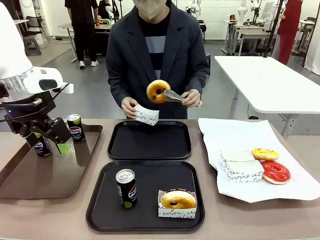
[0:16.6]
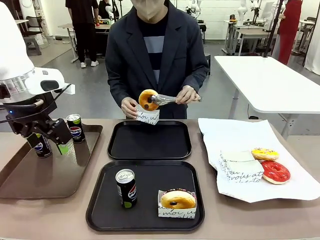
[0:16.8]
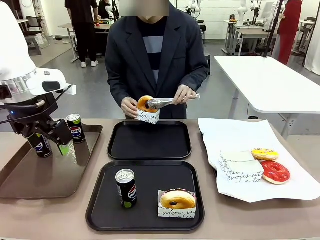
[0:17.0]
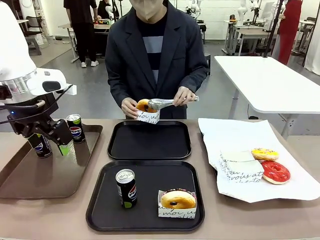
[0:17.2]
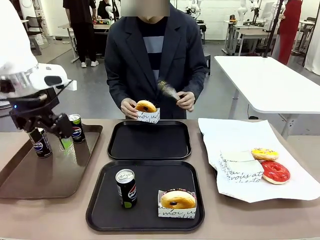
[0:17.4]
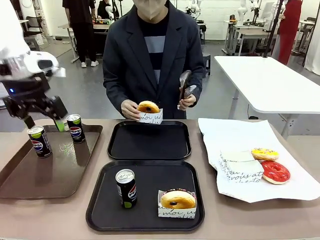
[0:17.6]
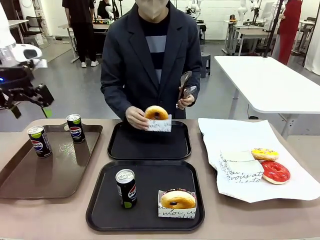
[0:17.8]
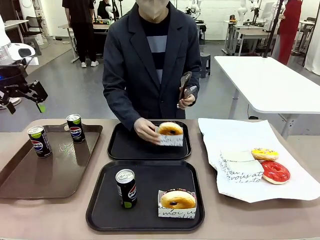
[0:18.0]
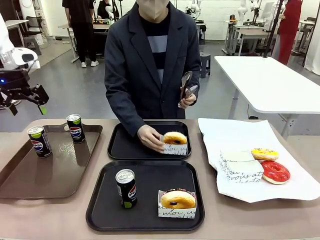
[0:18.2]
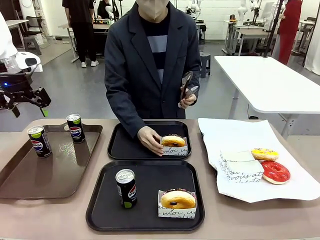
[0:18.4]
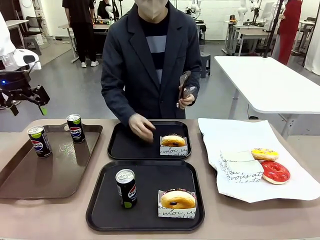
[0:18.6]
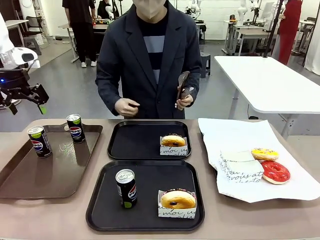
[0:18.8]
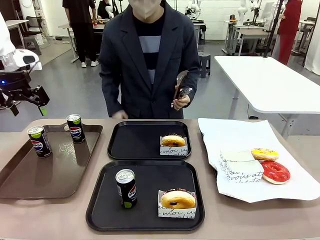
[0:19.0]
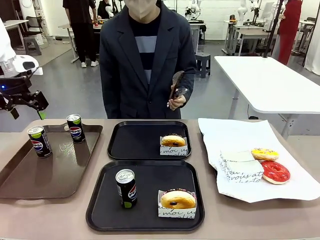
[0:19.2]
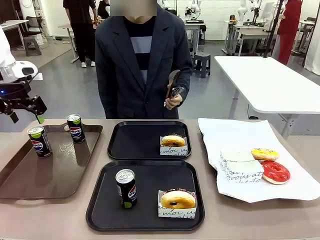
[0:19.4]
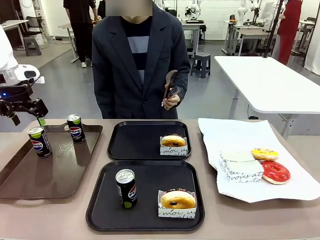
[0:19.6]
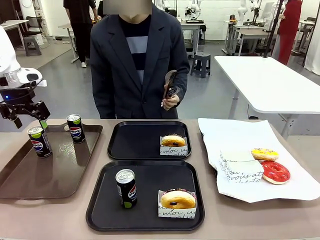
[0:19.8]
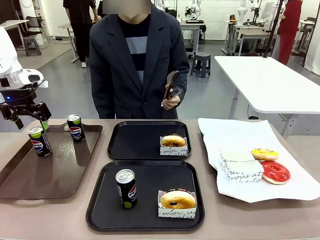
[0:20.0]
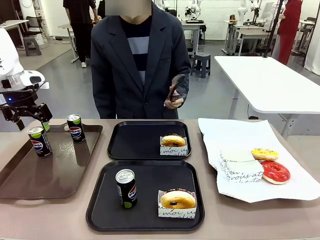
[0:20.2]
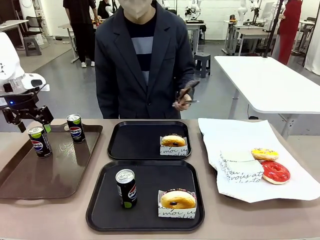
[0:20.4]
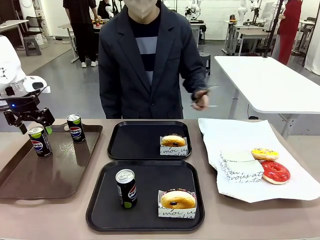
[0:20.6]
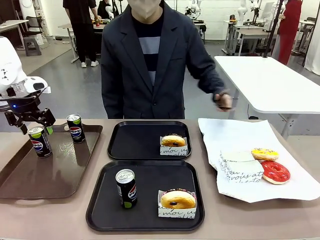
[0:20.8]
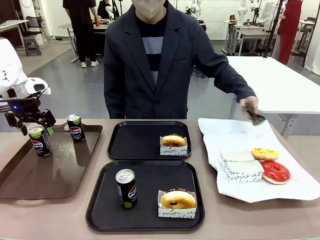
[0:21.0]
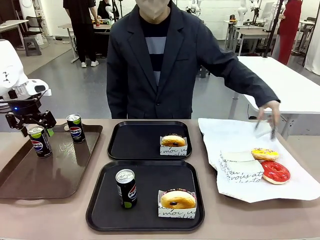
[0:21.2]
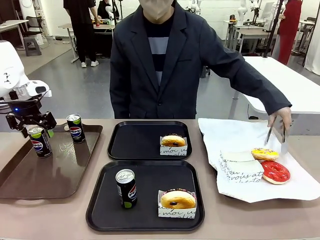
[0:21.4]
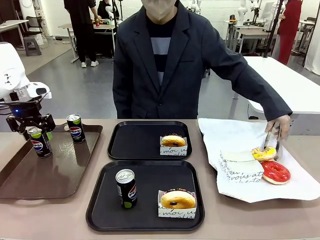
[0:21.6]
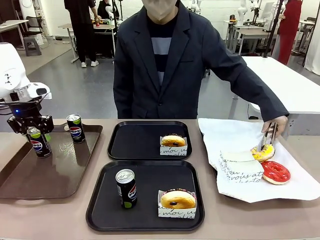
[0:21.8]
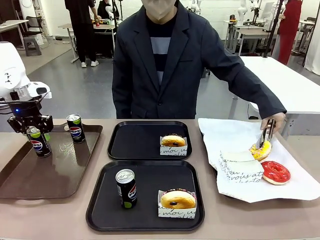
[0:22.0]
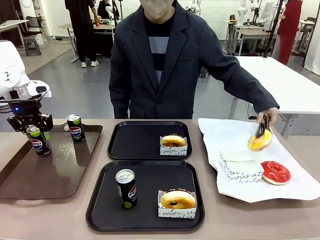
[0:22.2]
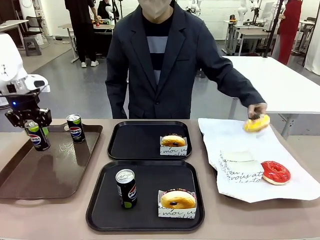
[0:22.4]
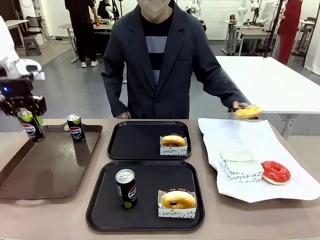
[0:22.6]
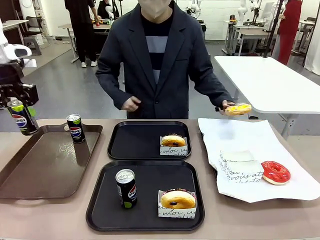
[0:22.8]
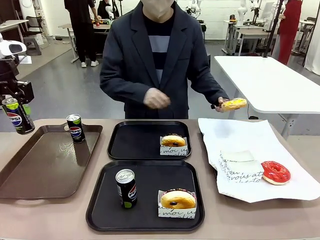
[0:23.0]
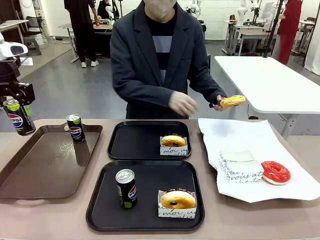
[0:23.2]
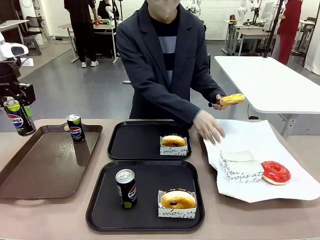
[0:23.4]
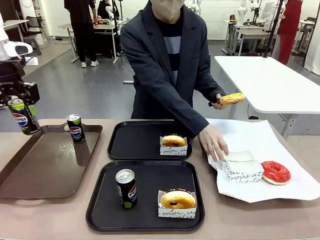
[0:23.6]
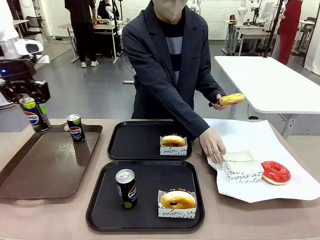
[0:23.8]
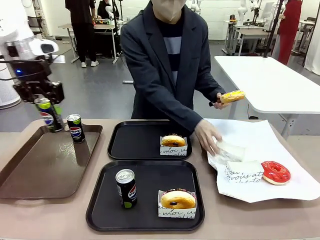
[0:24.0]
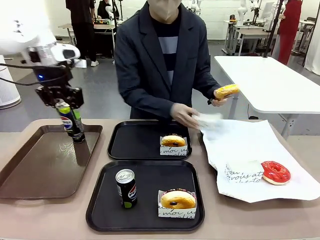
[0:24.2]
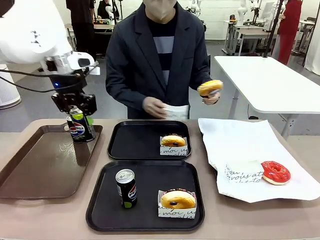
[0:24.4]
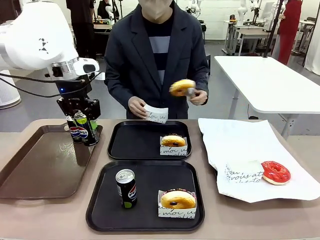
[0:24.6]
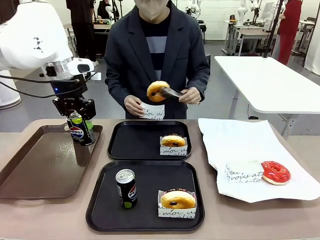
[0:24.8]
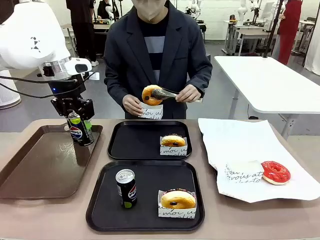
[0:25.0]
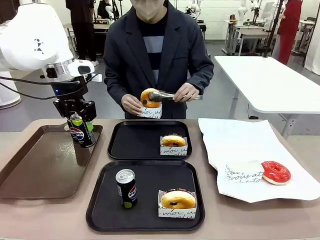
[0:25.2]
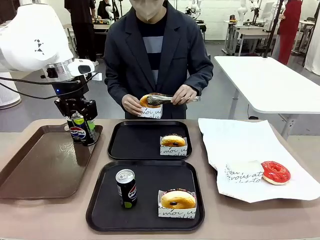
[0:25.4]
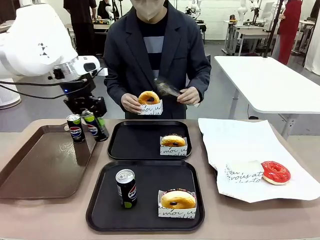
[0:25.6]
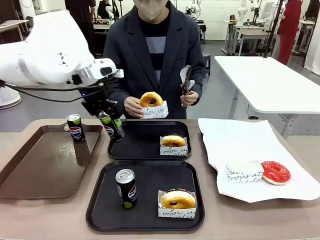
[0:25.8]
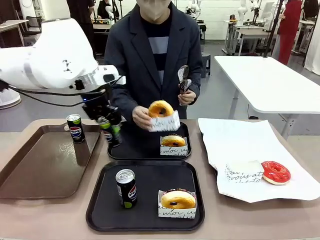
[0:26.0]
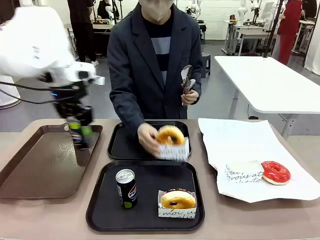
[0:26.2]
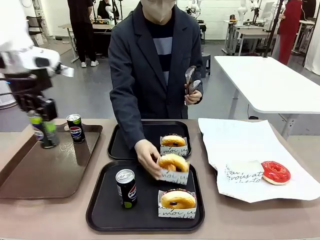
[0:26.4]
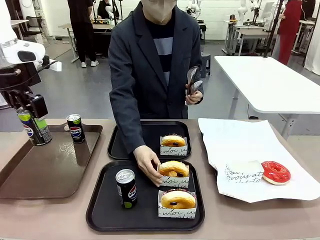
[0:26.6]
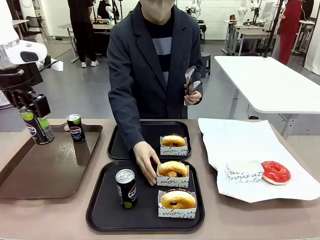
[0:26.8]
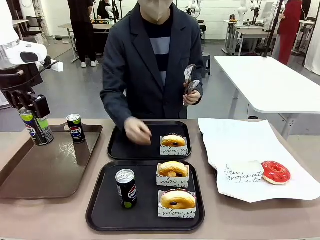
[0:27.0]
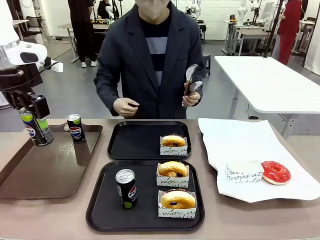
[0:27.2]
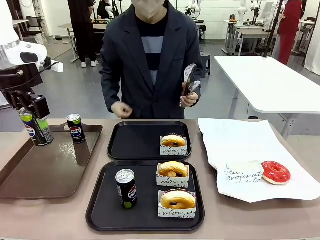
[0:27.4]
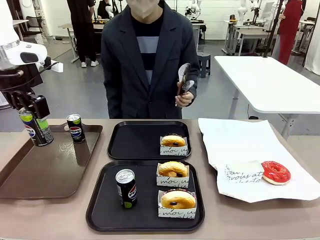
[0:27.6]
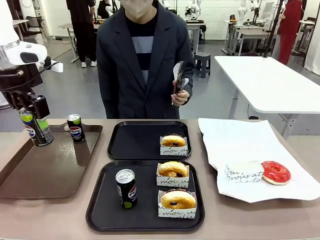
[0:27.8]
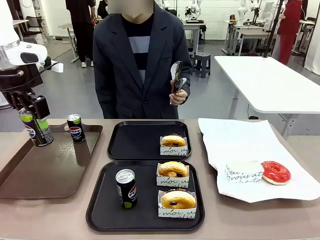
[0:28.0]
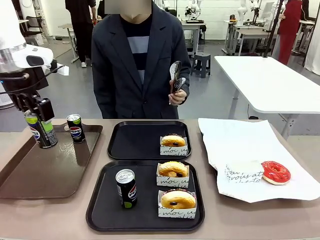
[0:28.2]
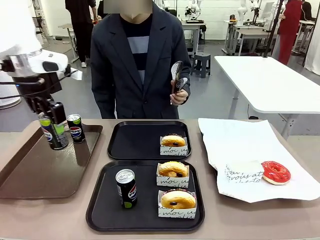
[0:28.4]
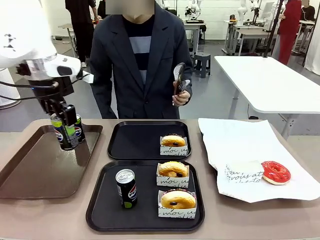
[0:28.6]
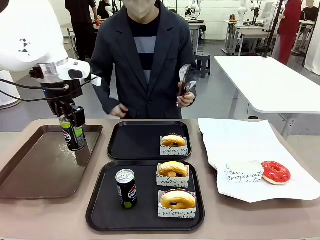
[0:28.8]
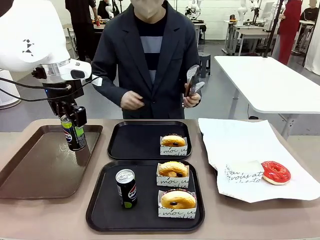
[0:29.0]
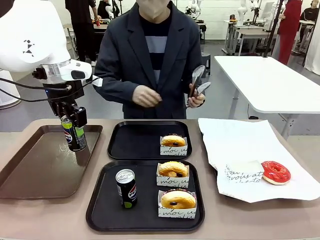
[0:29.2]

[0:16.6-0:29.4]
Task: Set up donuts and drinks on trays.
Robot: Pick up one Pepsi coke from the Handle tray and place it on the Flat Tray without a Pepsi coke.

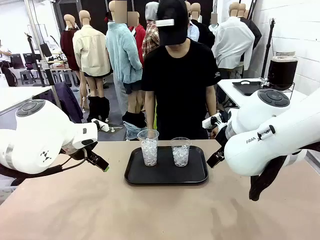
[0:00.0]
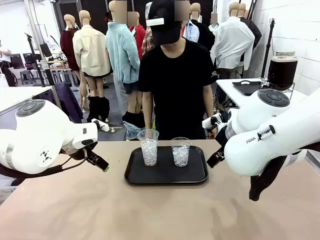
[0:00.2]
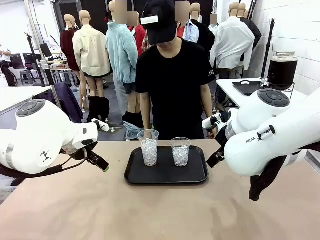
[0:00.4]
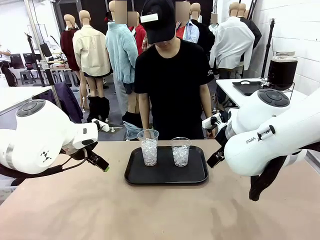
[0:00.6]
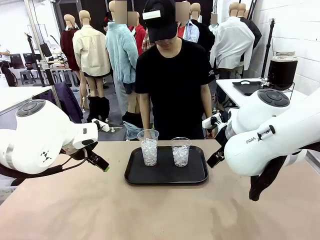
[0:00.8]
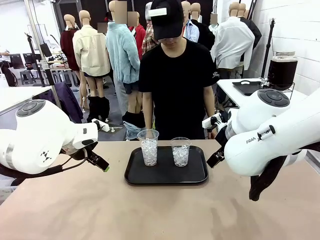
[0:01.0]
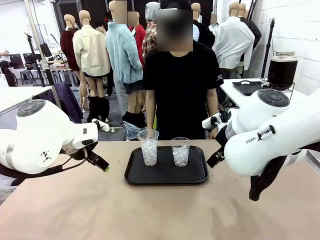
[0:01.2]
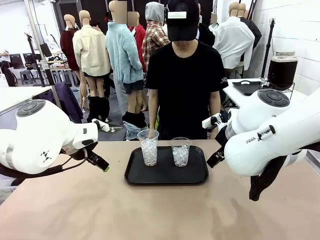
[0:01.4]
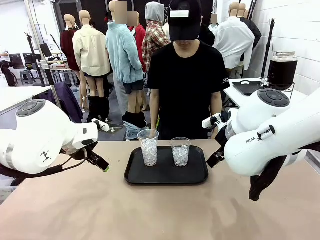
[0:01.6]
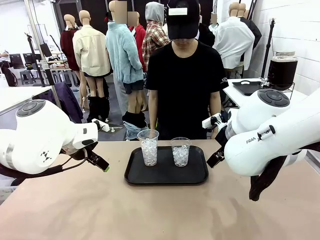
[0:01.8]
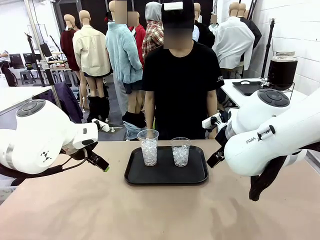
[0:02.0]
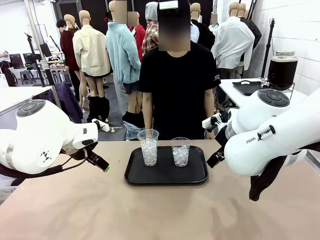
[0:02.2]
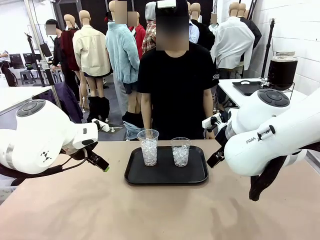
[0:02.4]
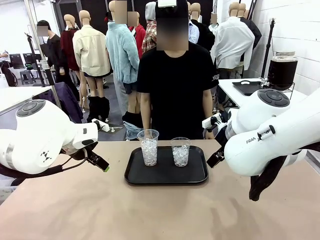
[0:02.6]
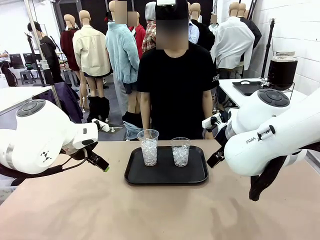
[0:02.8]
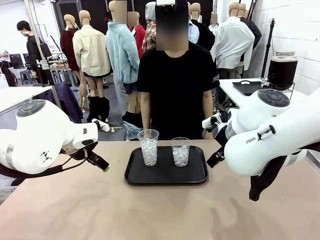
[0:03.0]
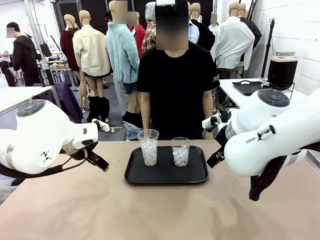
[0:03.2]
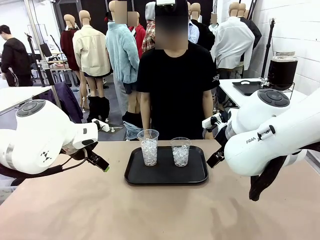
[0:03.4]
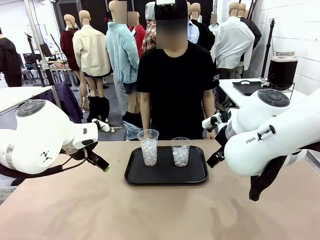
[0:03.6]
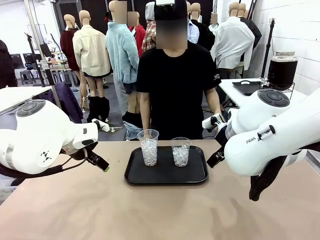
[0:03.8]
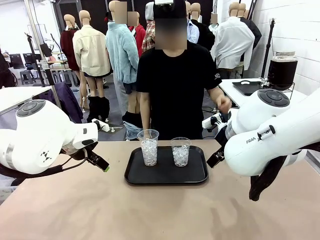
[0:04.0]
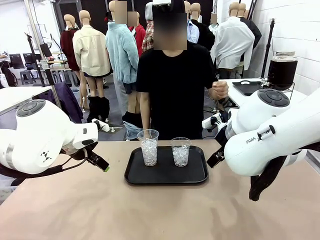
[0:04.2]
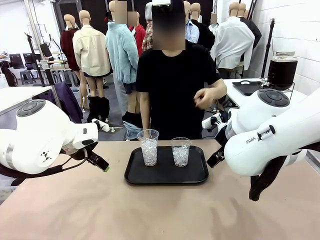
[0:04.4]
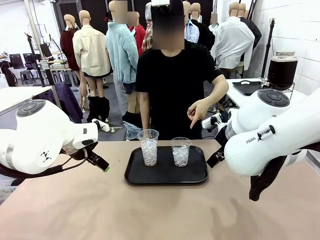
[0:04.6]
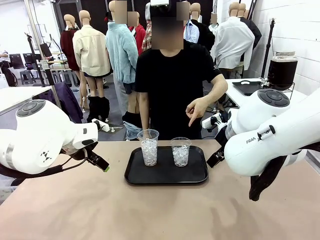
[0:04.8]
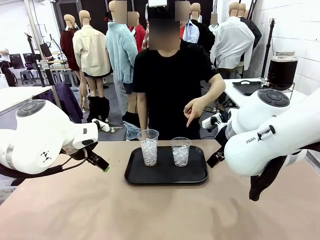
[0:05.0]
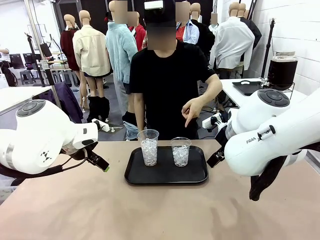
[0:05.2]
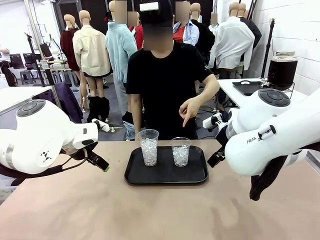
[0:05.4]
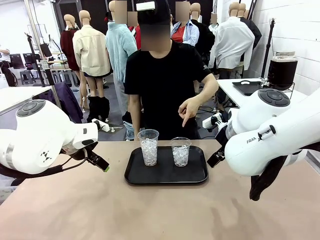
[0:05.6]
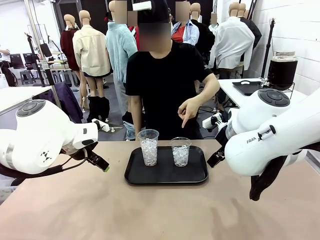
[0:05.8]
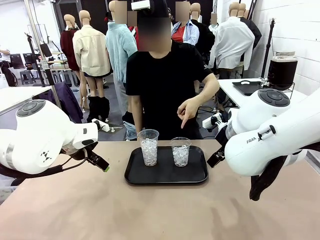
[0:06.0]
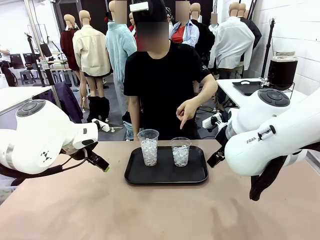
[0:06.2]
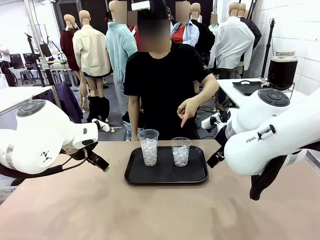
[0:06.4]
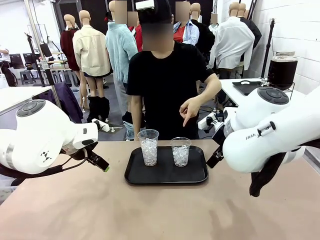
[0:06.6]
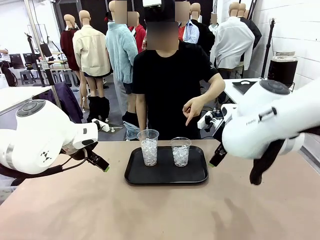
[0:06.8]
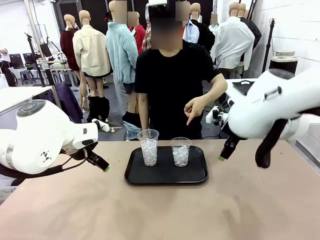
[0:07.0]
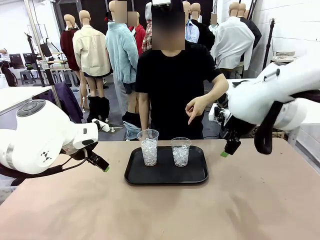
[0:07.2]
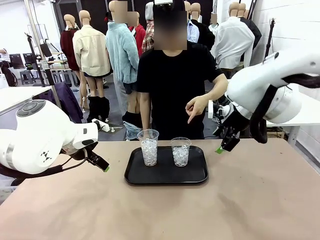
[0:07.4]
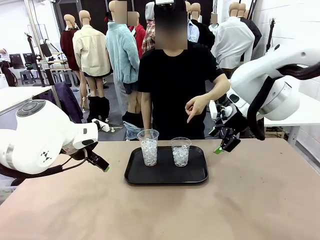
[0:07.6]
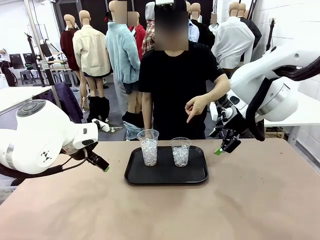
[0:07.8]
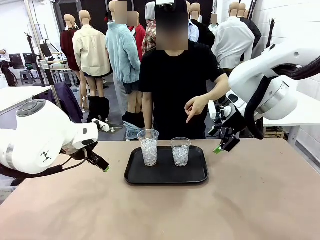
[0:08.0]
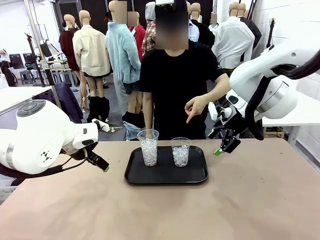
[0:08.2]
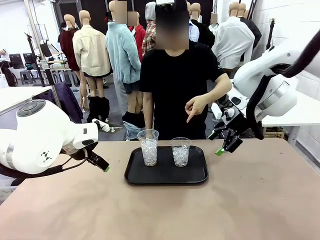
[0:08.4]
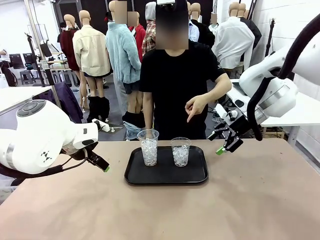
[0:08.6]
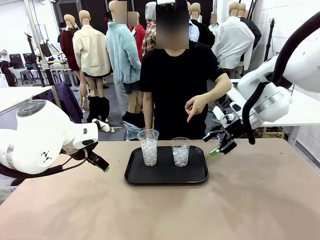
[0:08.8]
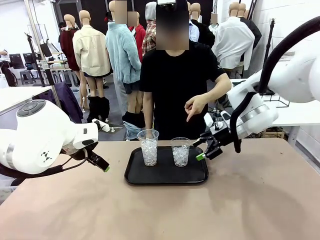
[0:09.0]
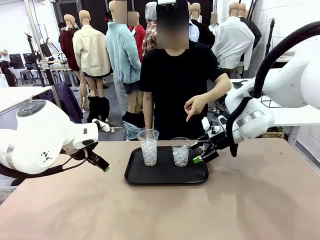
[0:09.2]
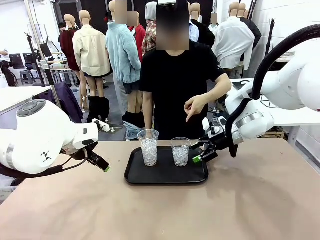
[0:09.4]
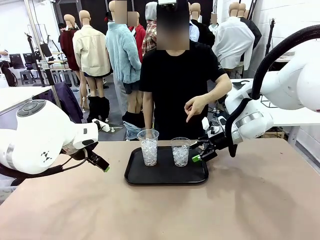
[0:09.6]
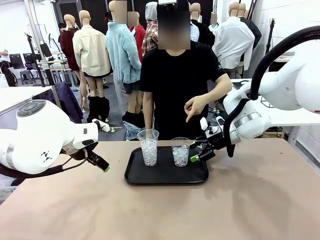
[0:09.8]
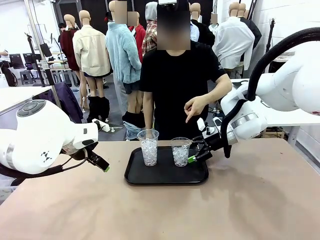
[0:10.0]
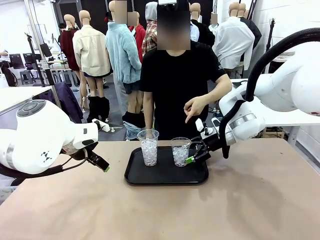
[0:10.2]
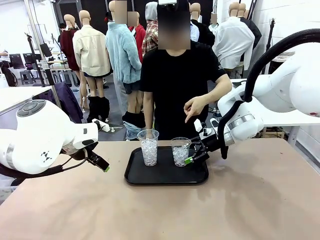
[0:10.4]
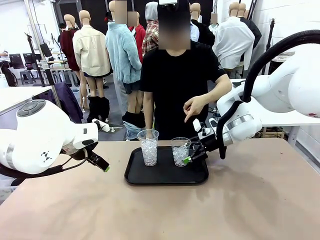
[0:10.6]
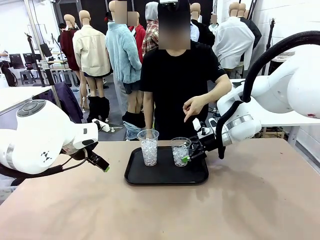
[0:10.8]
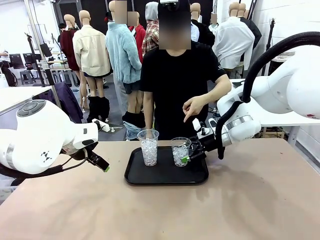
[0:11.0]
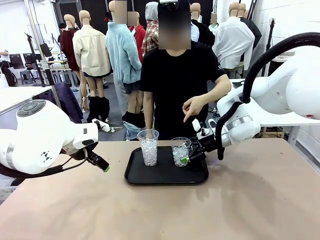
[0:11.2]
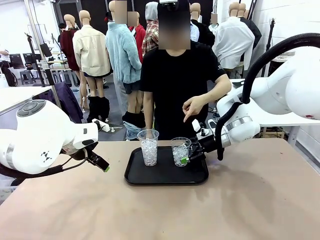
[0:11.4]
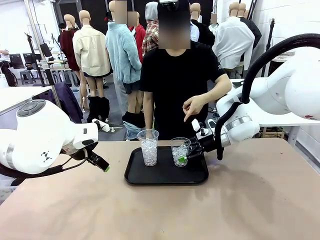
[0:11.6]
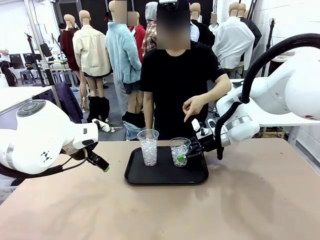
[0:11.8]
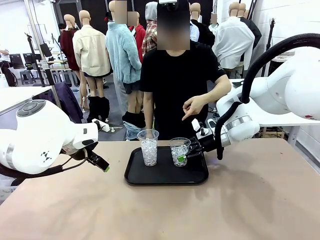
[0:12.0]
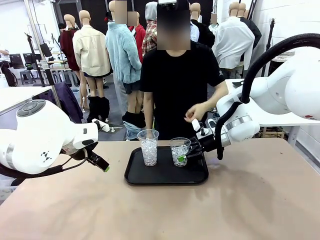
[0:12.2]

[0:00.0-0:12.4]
Task: Pour the drink into the iced cup.
Robot: Pick up the iced cup indicated by the human and present it to them.
Person: Point to one of the two ice cups. Pick up the cup offered by the robot.
